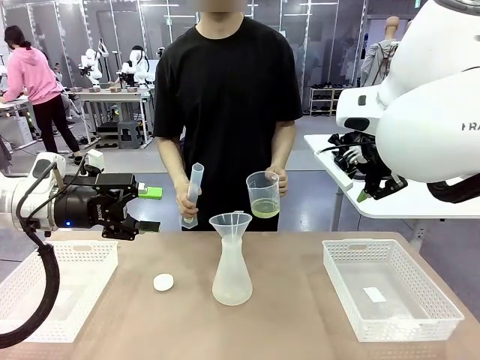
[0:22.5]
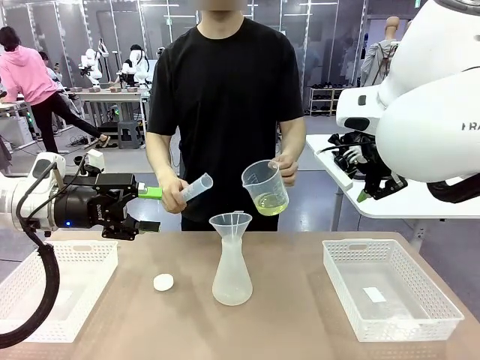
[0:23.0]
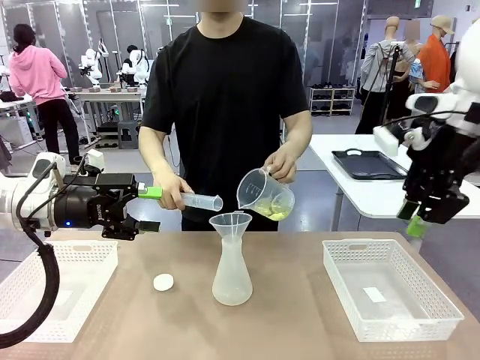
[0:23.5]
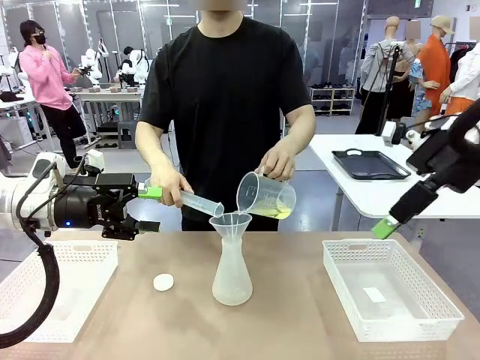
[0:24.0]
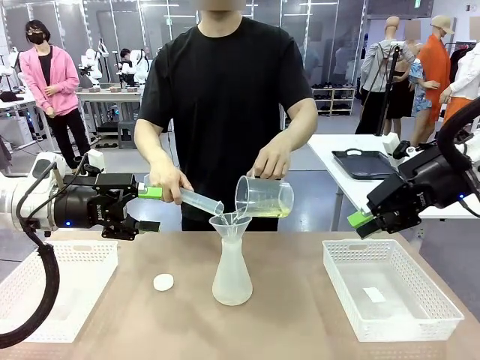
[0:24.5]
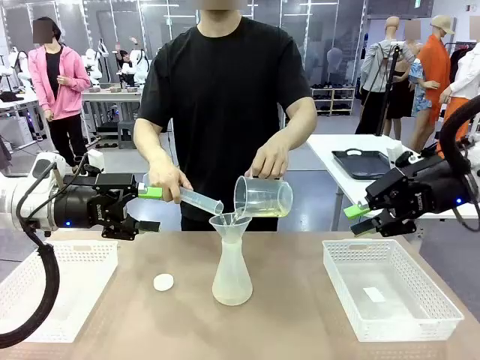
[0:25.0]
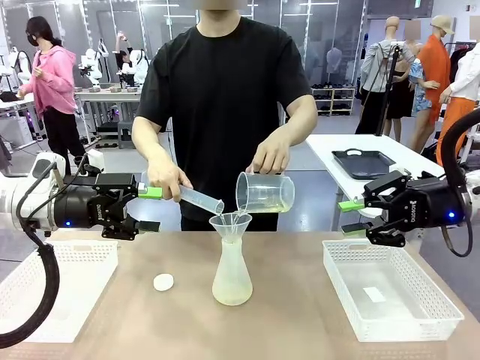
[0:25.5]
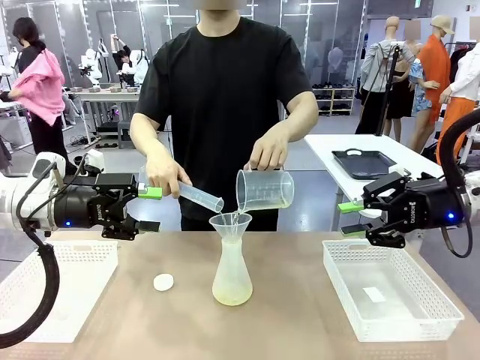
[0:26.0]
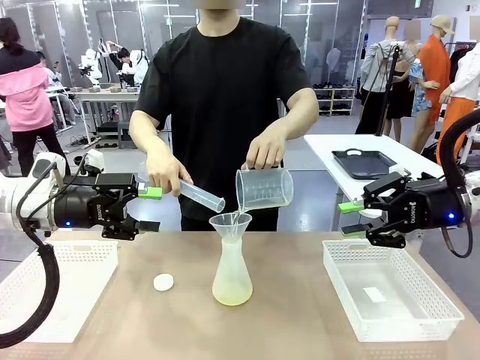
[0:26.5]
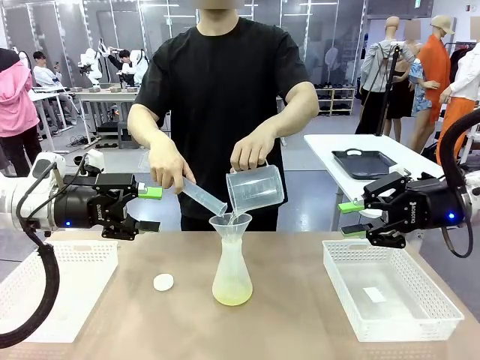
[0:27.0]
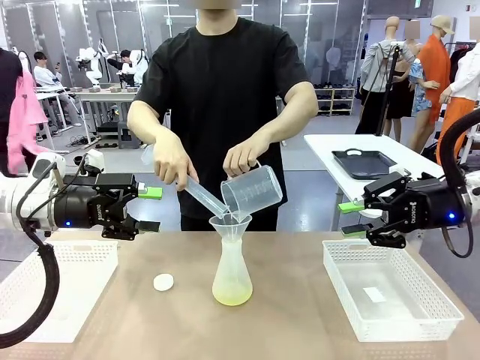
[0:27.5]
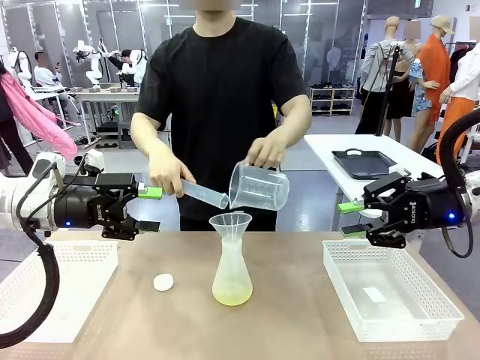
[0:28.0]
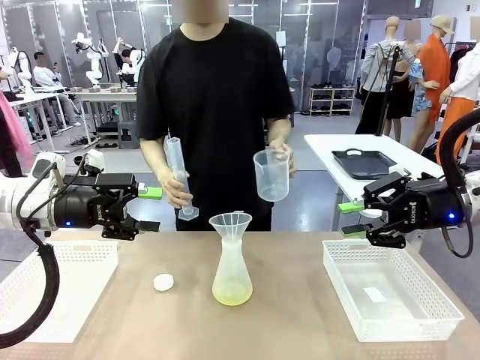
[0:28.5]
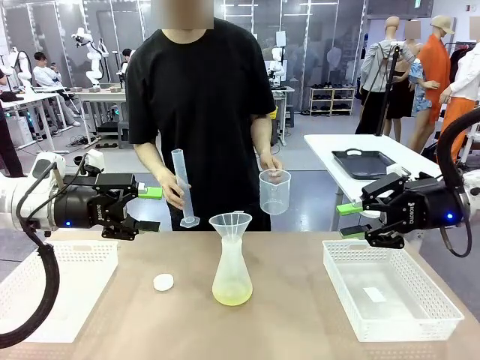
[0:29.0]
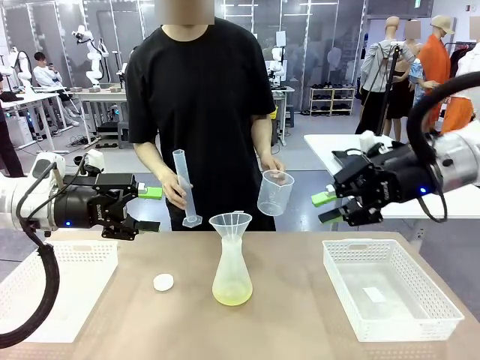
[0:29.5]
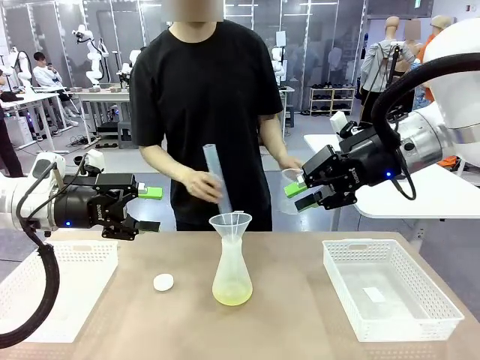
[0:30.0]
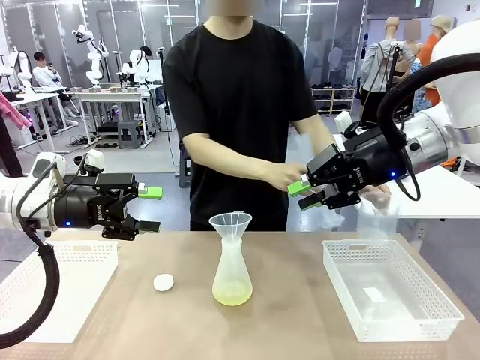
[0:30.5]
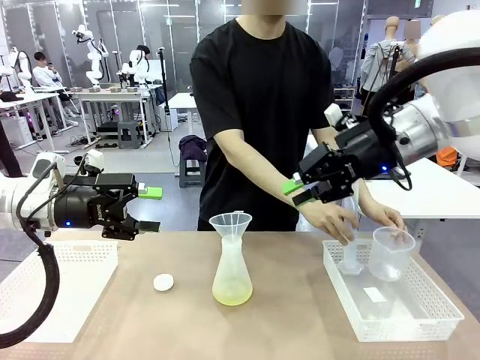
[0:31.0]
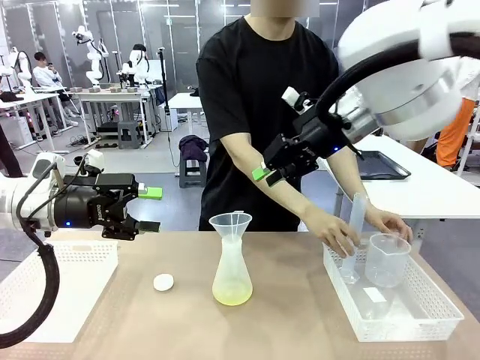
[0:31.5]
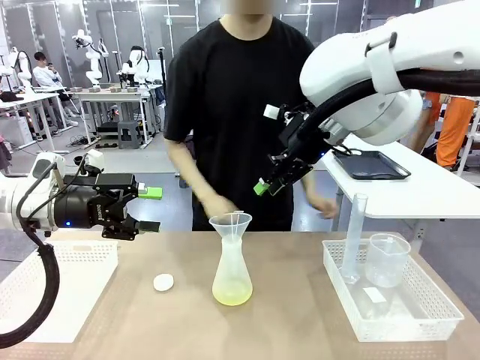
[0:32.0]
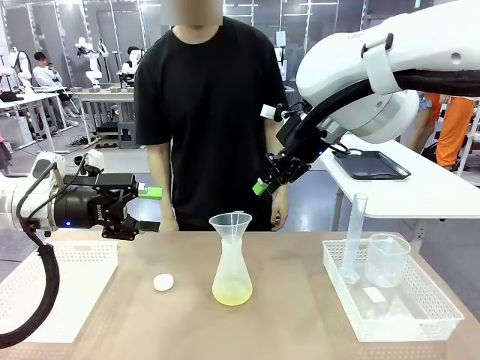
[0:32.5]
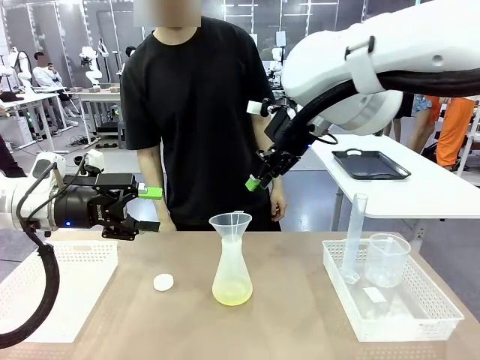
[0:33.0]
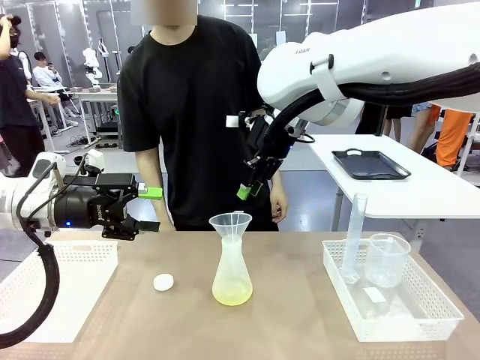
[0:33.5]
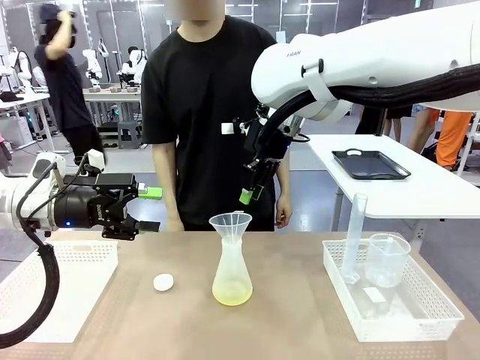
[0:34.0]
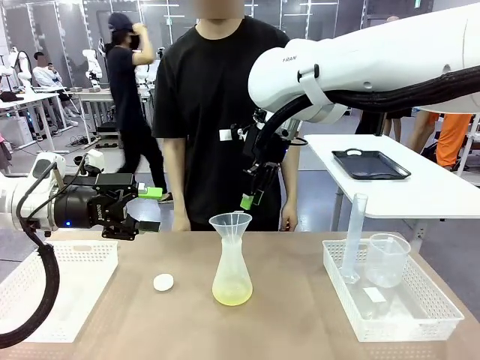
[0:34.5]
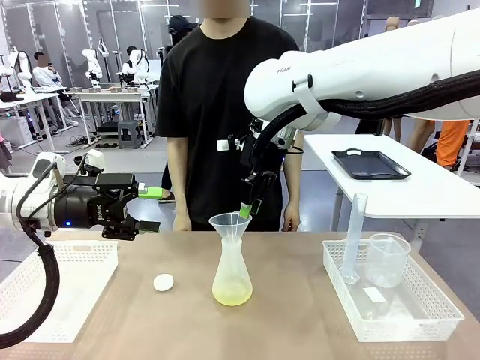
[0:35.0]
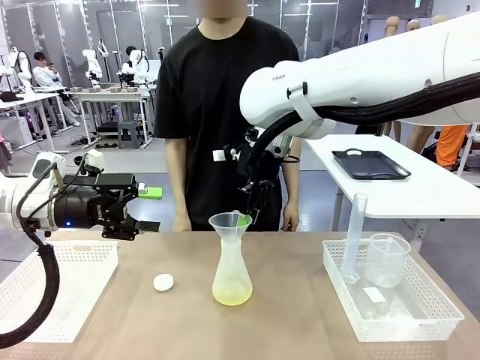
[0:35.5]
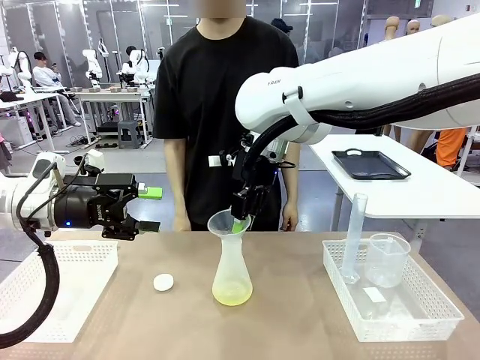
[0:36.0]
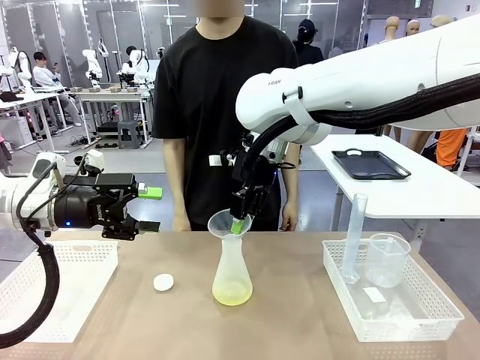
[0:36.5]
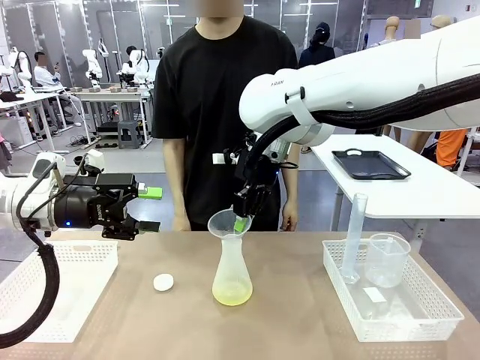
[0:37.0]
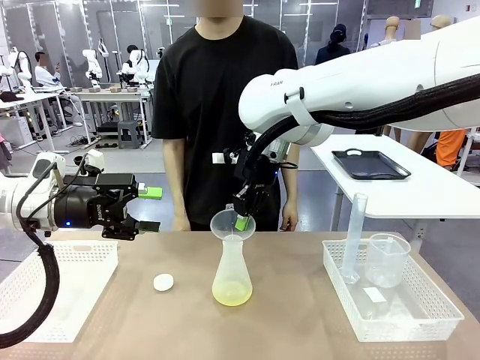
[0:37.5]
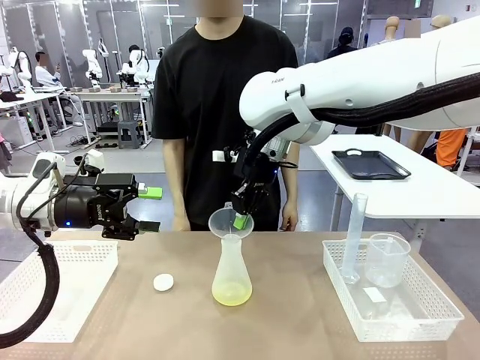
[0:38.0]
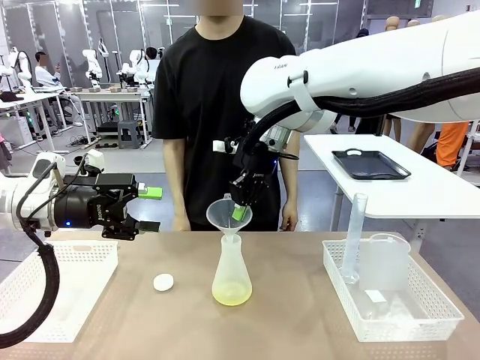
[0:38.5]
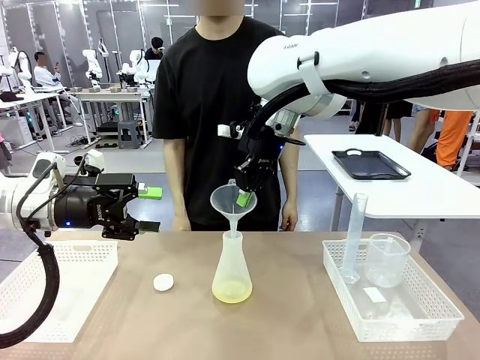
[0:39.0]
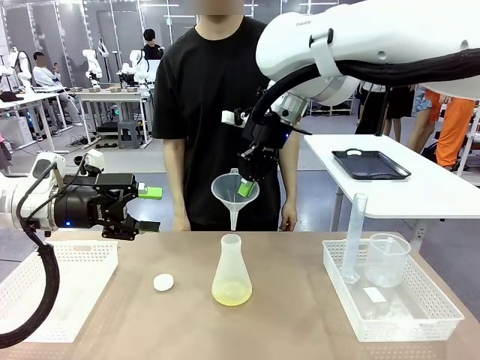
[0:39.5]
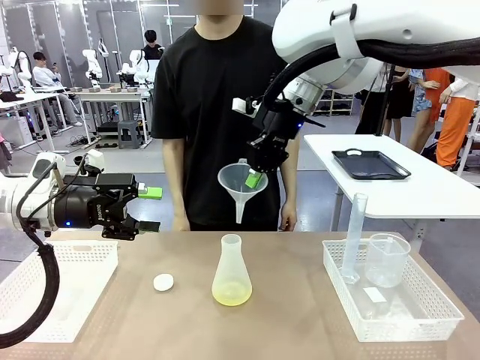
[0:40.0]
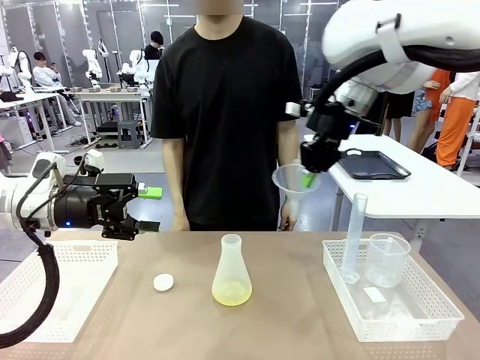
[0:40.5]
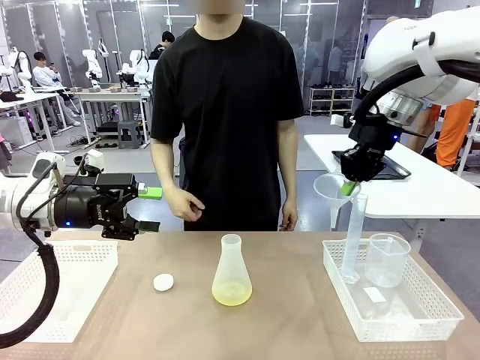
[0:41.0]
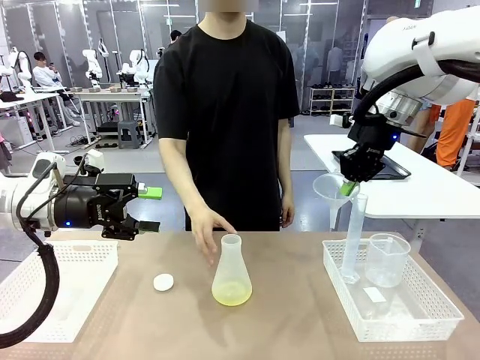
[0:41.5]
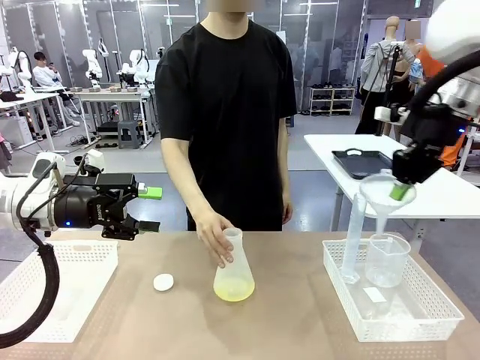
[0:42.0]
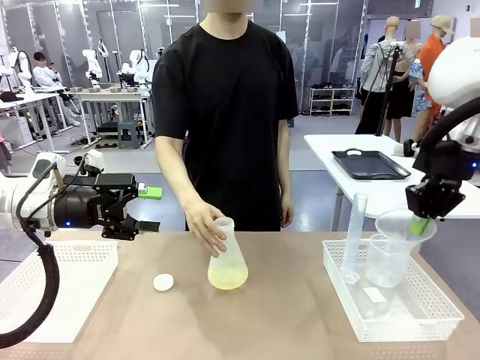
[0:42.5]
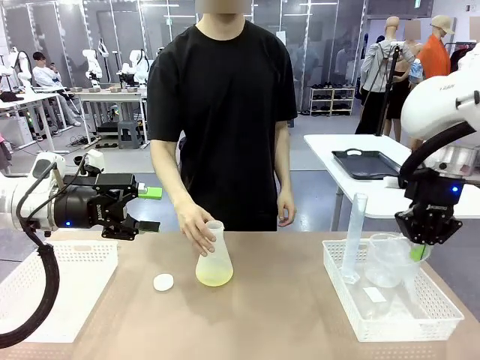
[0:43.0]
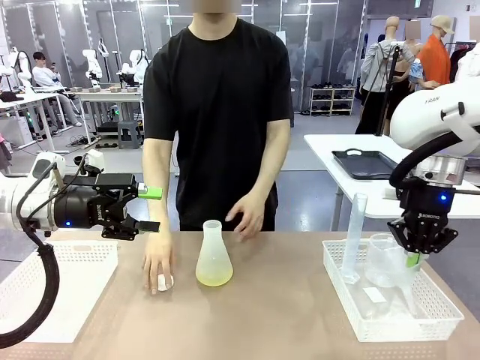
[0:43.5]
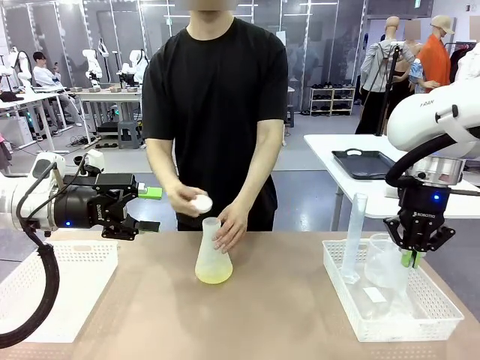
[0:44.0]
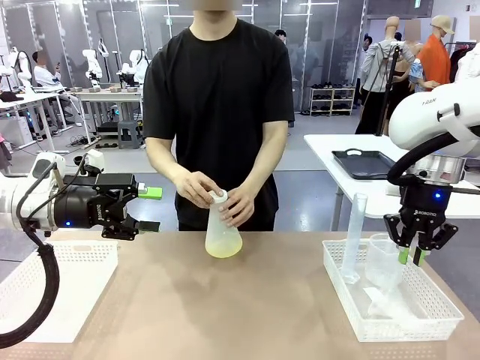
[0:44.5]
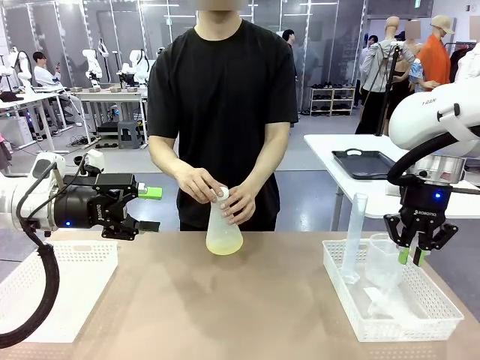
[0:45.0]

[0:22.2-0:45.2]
Task: Prepare the solutions needed for the experiment.
Robot: Once the solution is in the Big flask , pick up the Plastic Funnel and place it back into the right Organizing basket.
Person: Place the beaker and the cylinder into the organizing basket on the left side. Pick up the flask, gently shake it 2–3 times, place it in the middle of the robot table, and close the lid.
